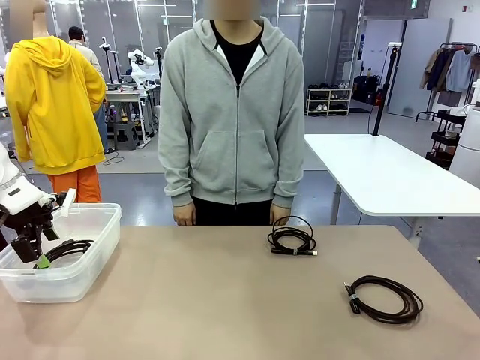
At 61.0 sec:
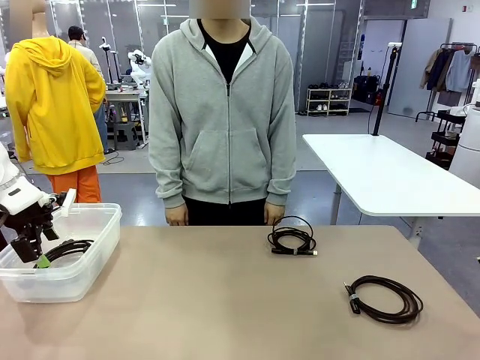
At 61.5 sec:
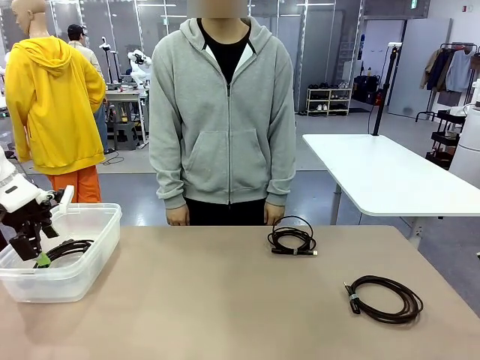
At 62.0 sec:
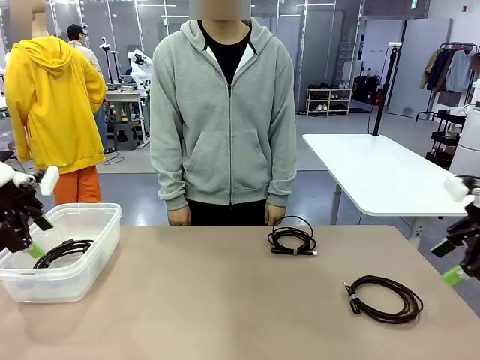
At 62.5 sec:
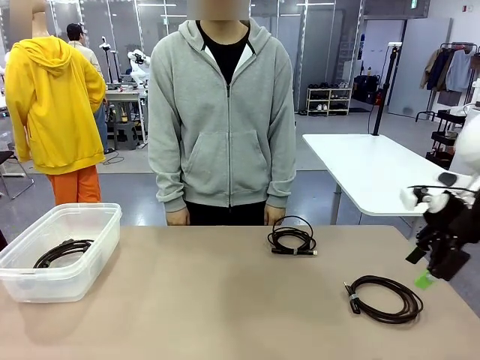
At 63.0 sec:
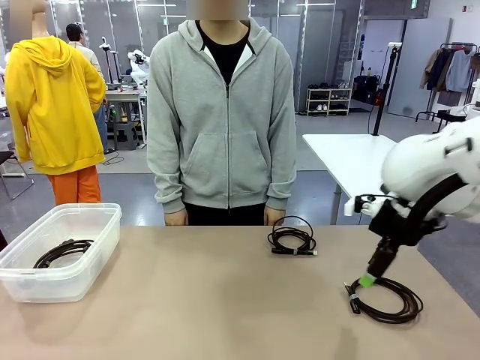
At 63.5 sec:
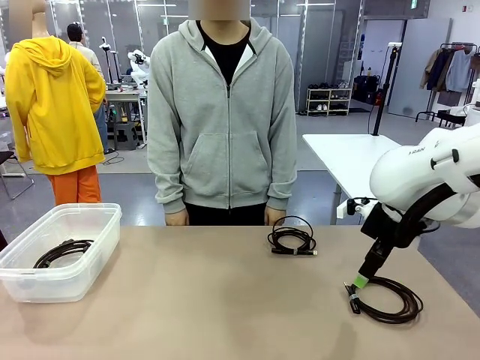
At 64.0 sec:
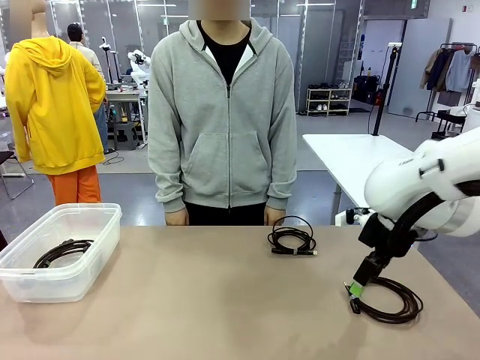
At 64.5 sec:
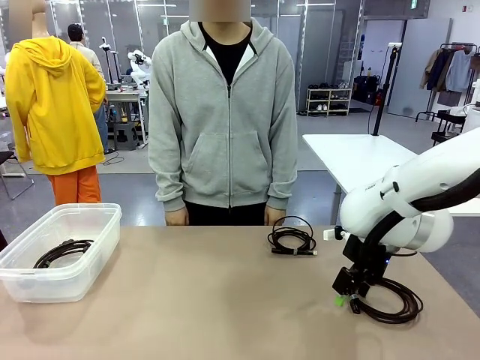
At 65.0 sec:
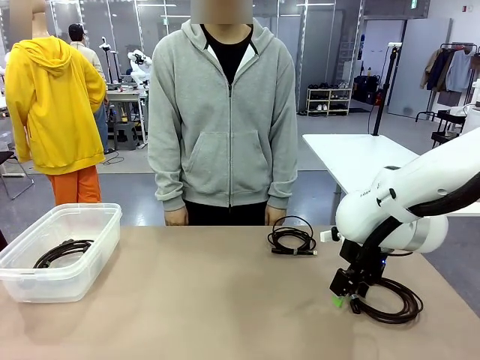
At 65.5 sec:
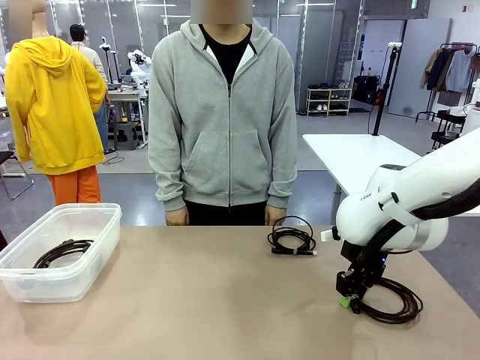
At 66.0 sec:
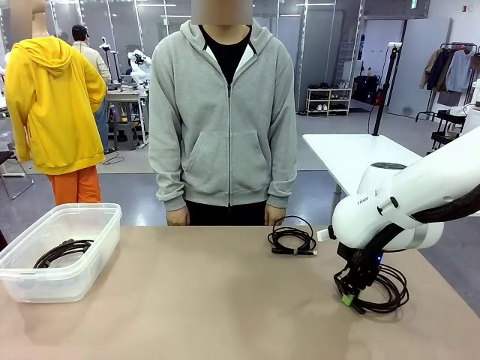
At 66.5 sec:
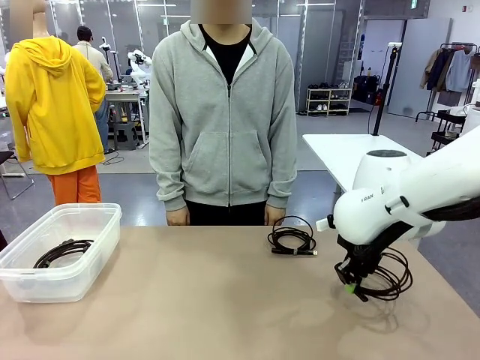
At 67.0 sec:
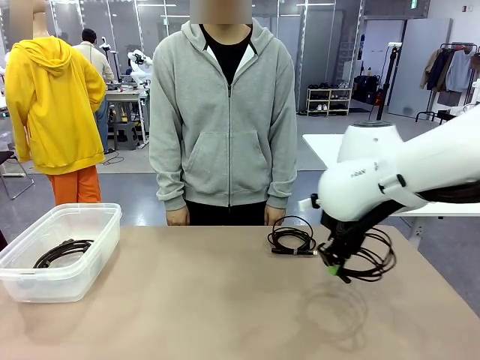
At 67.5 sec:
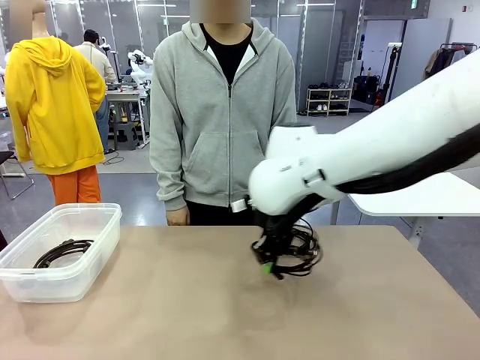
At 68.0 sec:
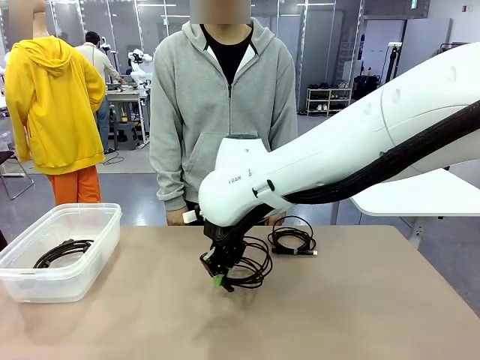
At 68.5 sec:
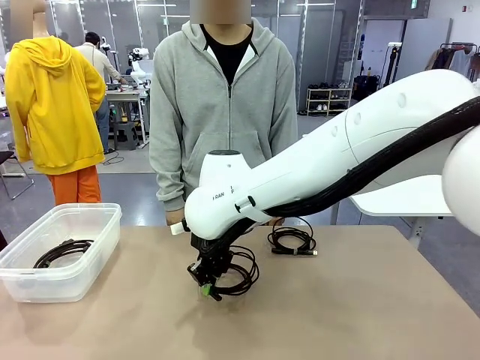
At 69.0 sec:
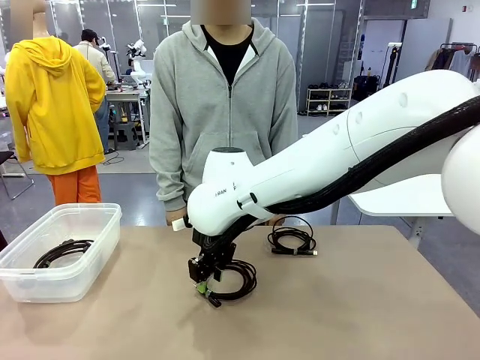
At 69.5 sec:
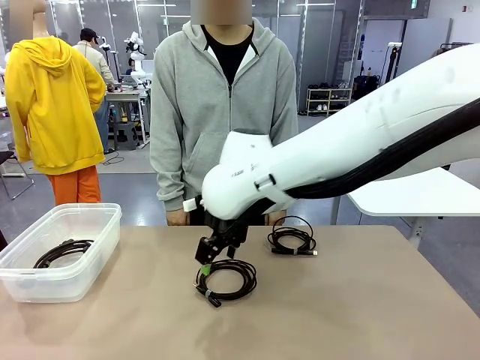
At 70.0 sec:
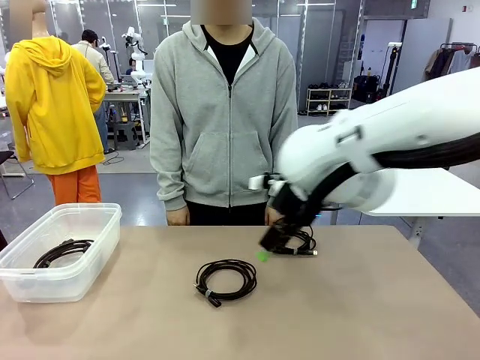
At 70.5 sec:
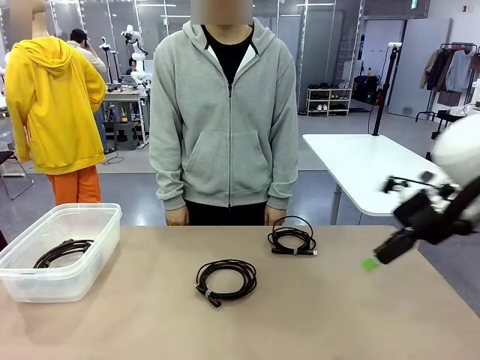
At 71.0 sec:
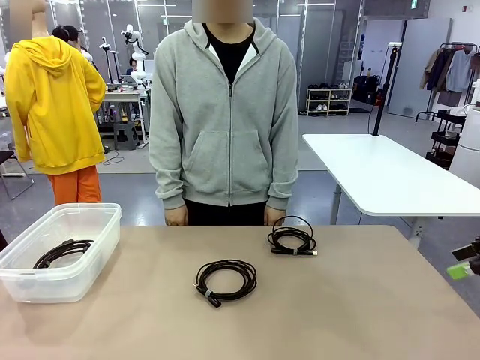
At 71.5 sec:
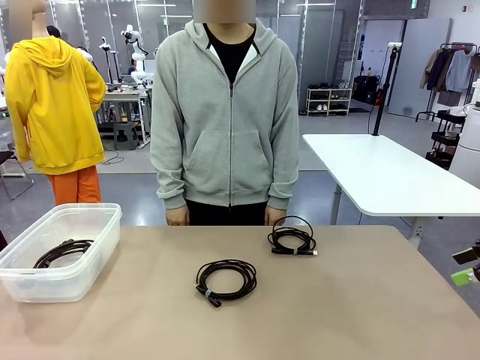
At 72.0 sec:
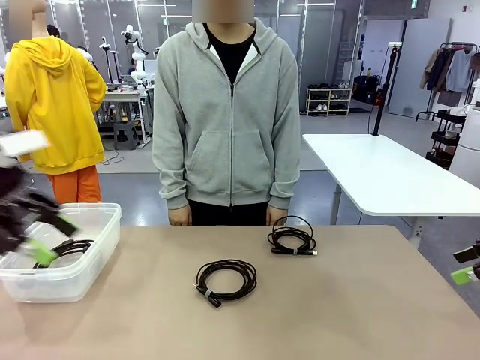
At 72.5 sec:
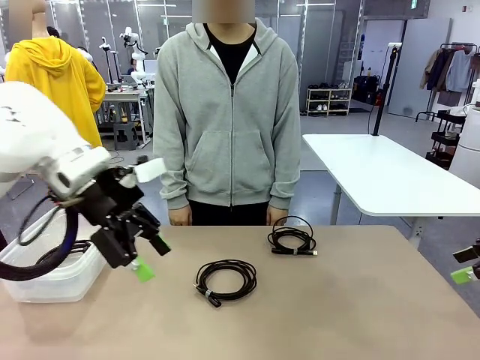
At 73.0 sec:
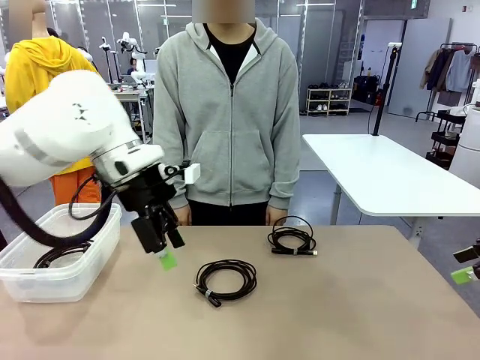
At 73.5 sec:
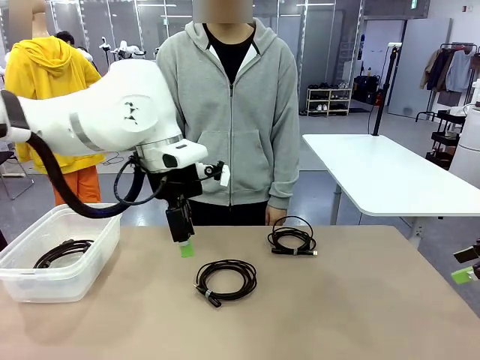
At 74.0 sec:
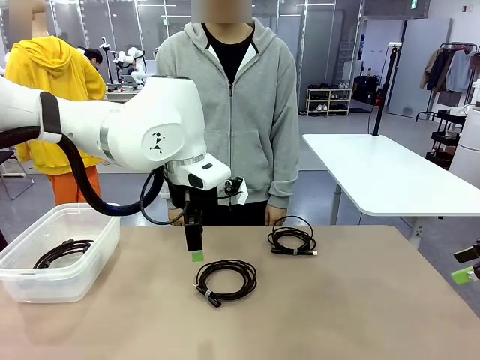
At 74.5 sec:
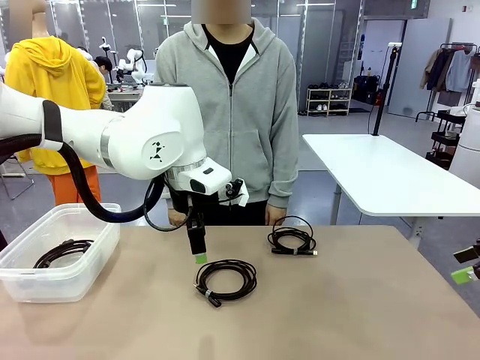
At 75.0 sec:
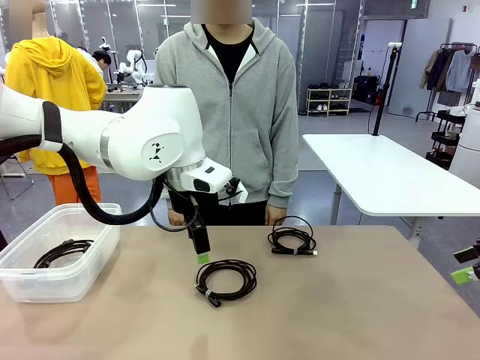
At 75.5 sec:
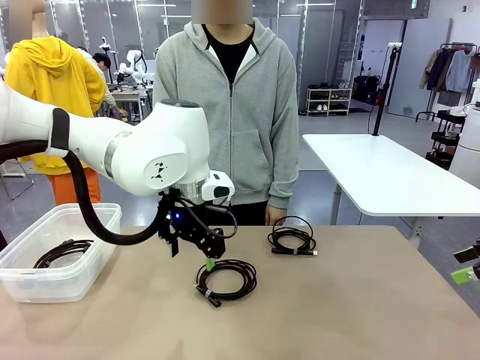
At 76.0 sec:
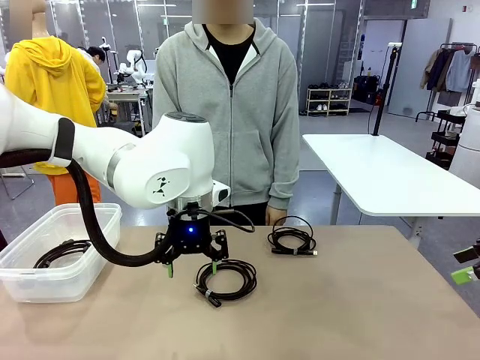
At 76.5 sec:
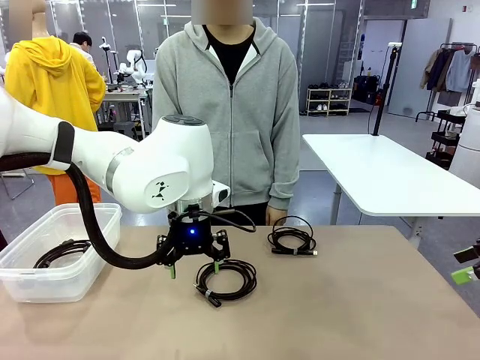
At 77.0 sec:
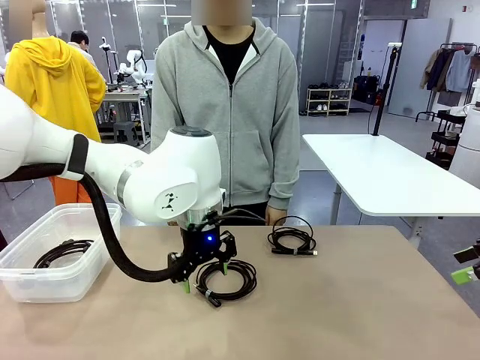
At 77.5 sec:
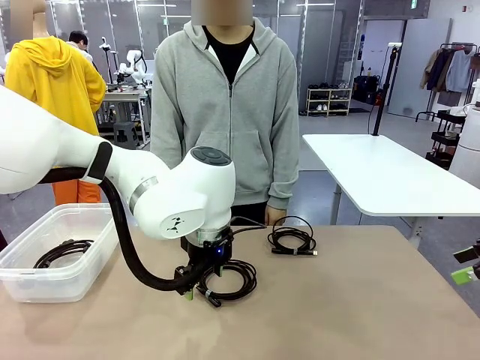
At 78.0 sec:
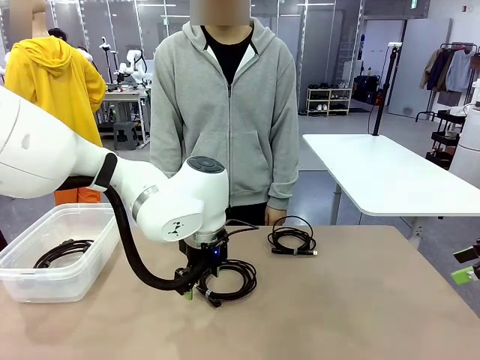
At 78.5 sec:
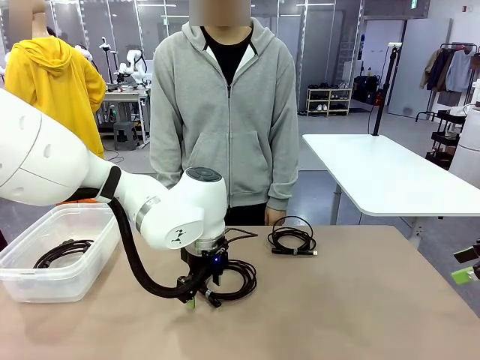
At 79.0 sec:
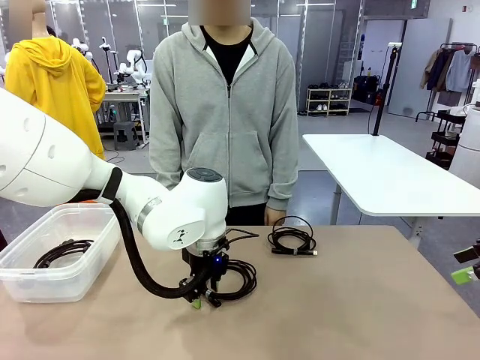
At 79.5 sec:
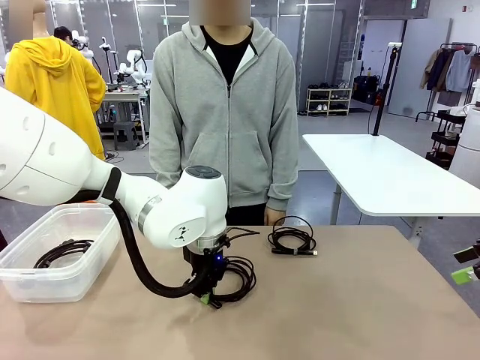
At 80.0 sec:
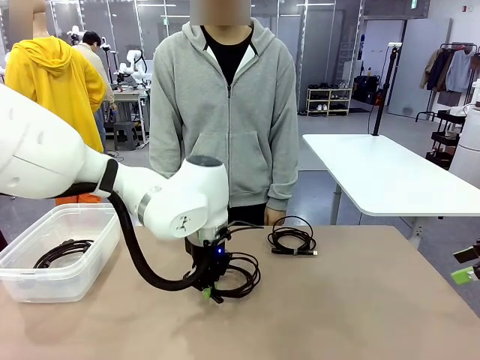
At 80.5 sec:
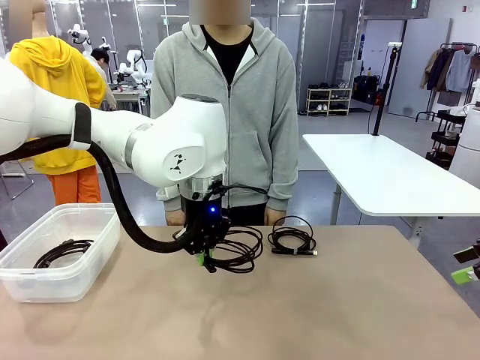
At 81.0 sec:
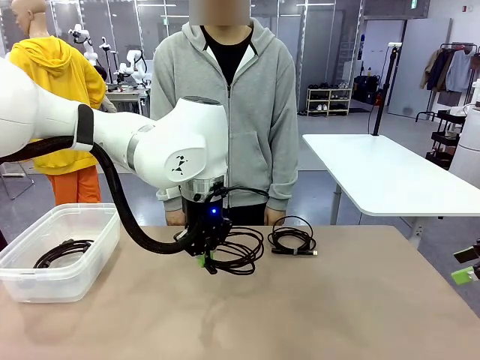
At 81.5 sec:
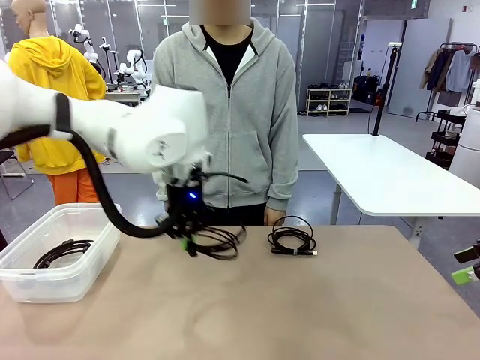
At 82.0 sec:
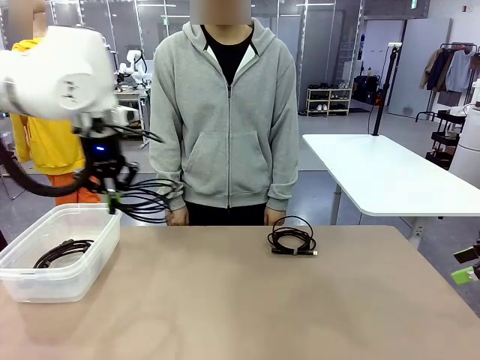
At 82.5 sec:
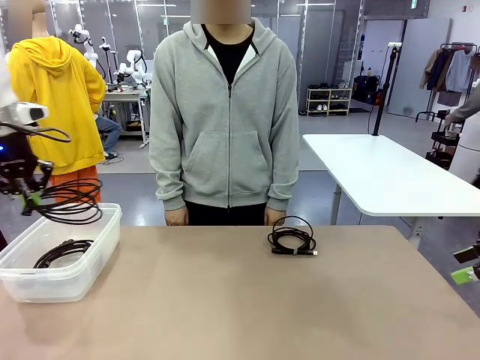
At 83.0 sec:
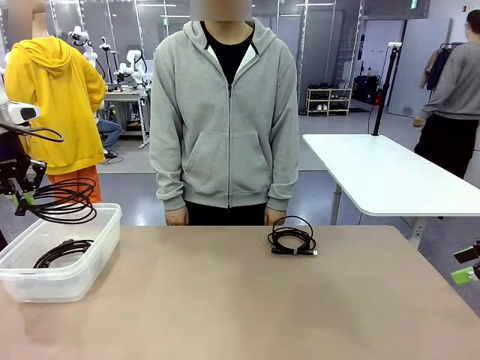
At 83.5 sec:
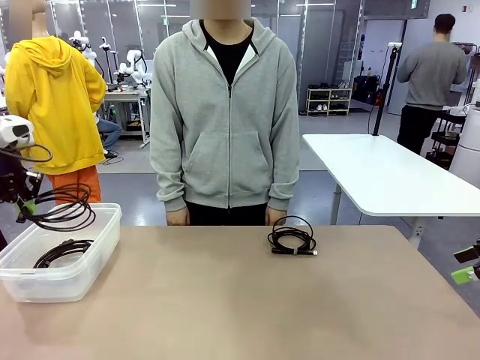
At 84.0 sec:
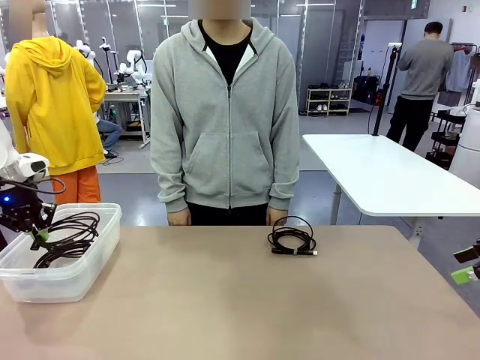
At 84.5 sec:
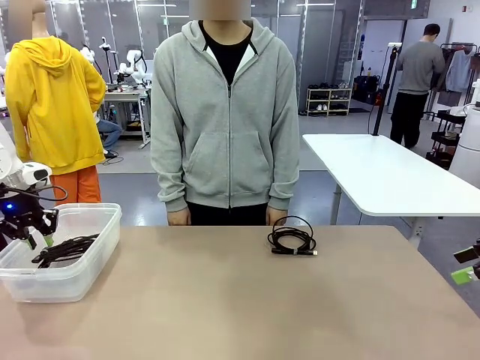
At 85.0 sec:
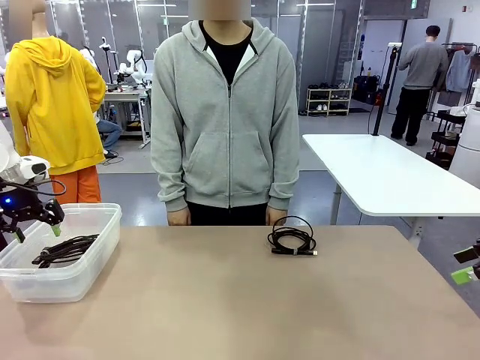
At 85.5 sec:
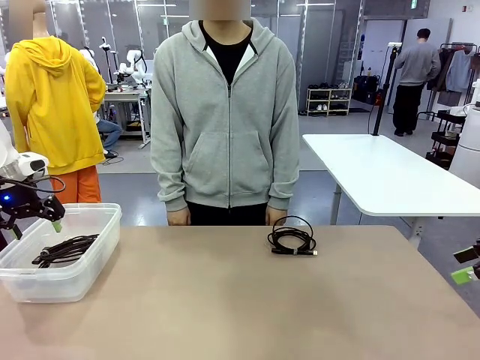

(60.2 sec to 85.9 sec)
Task: Organize and store the cables.
Robot: Place the USB Extension Cable into the Organizing box.
